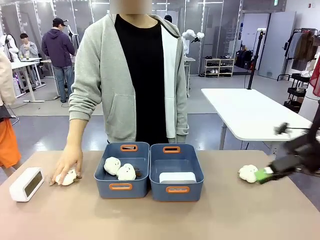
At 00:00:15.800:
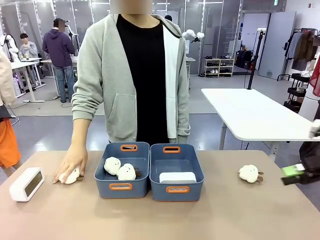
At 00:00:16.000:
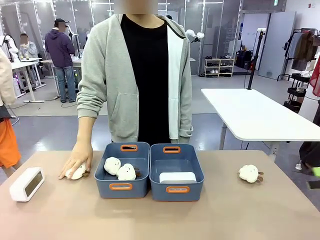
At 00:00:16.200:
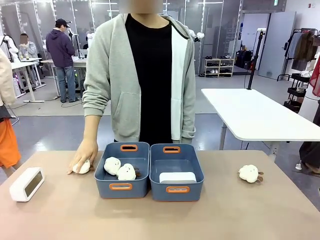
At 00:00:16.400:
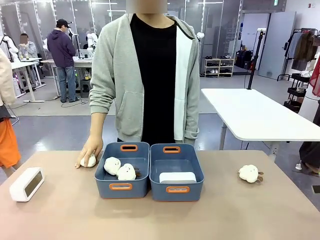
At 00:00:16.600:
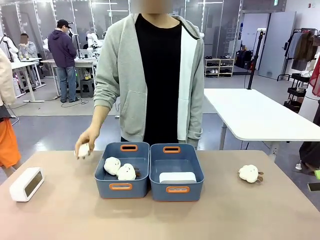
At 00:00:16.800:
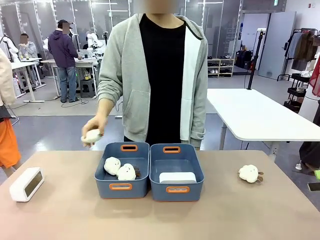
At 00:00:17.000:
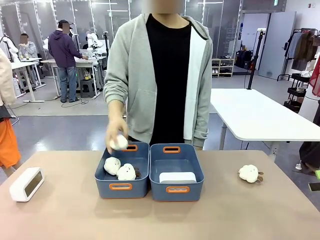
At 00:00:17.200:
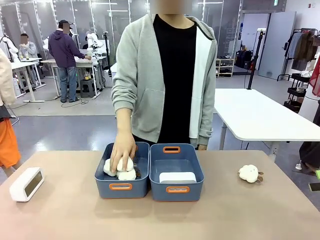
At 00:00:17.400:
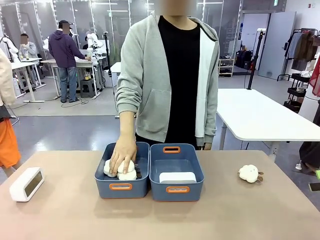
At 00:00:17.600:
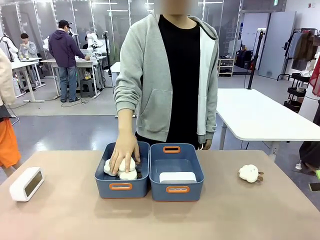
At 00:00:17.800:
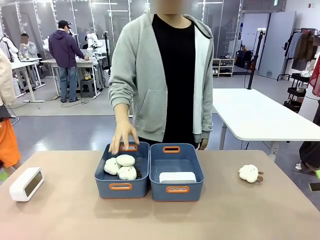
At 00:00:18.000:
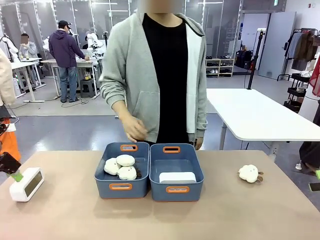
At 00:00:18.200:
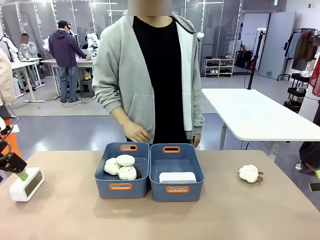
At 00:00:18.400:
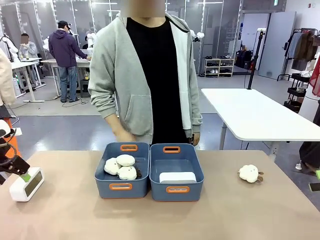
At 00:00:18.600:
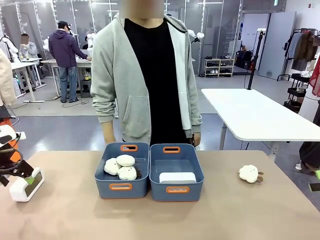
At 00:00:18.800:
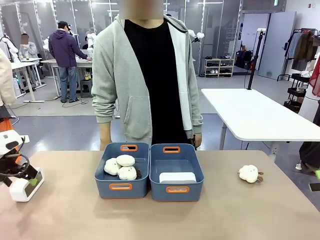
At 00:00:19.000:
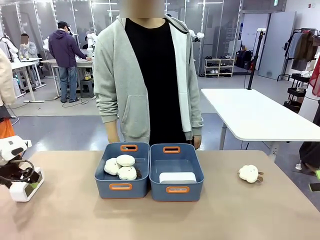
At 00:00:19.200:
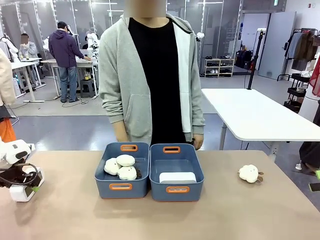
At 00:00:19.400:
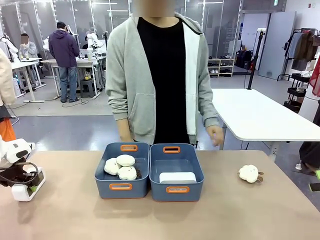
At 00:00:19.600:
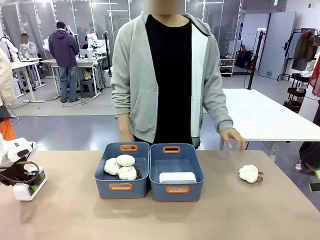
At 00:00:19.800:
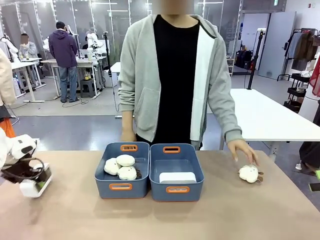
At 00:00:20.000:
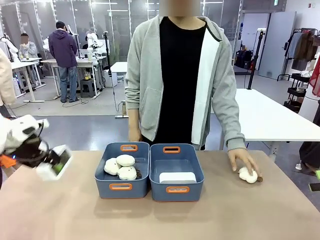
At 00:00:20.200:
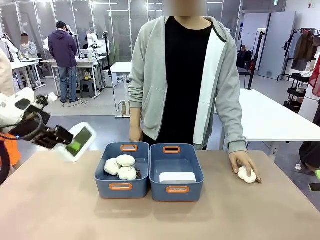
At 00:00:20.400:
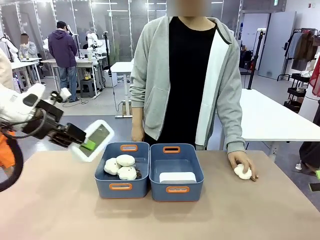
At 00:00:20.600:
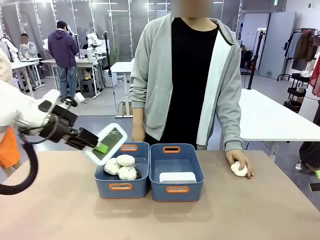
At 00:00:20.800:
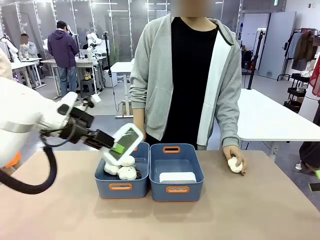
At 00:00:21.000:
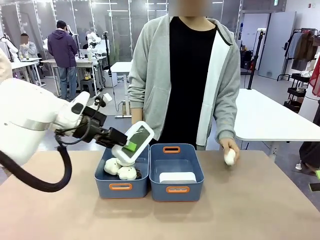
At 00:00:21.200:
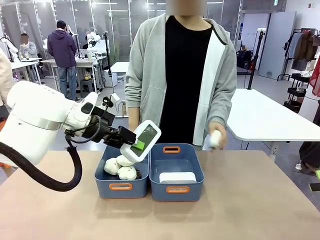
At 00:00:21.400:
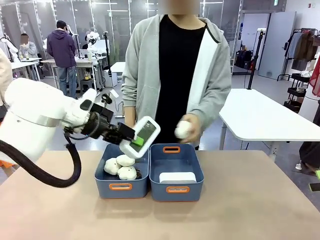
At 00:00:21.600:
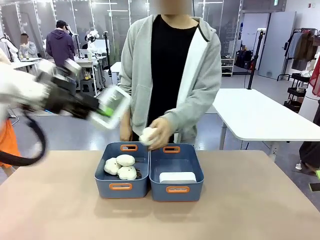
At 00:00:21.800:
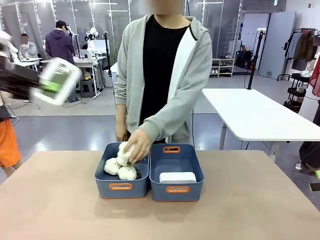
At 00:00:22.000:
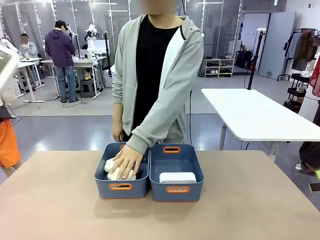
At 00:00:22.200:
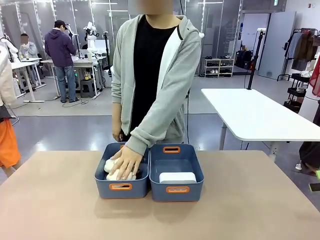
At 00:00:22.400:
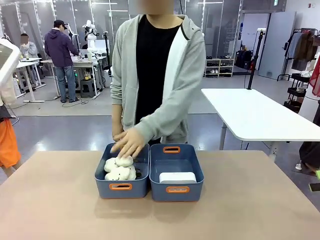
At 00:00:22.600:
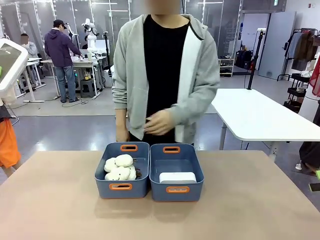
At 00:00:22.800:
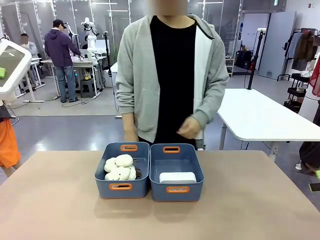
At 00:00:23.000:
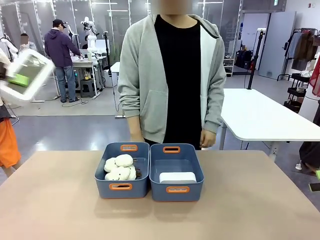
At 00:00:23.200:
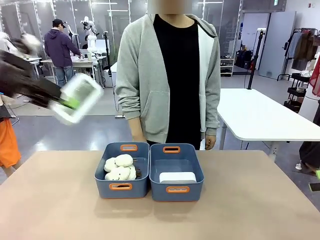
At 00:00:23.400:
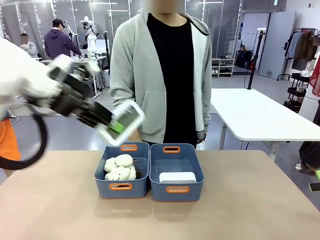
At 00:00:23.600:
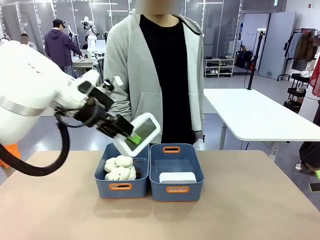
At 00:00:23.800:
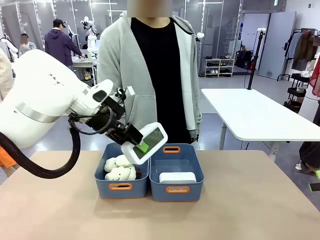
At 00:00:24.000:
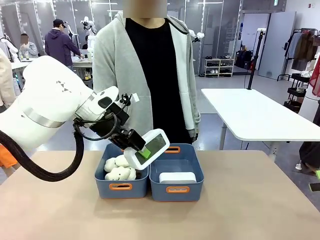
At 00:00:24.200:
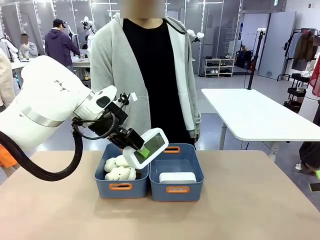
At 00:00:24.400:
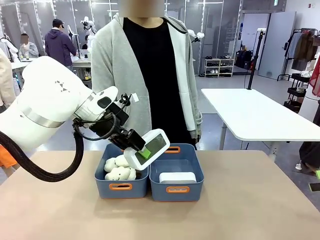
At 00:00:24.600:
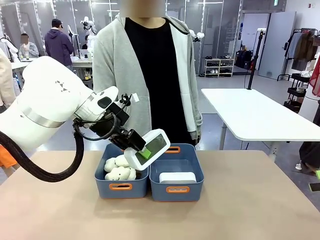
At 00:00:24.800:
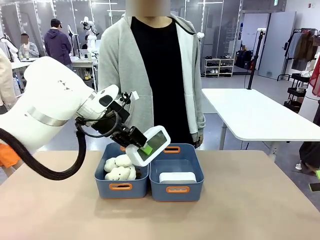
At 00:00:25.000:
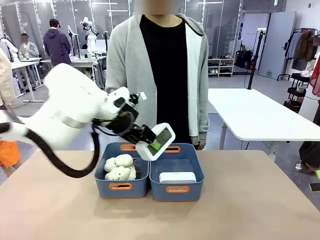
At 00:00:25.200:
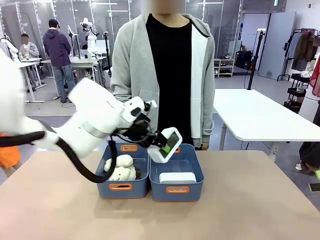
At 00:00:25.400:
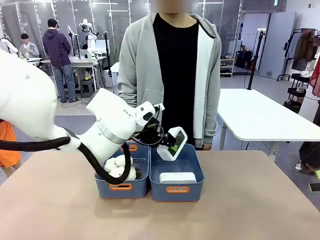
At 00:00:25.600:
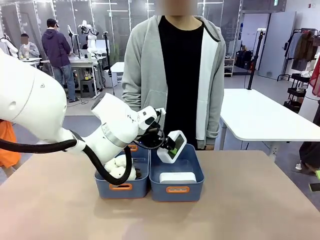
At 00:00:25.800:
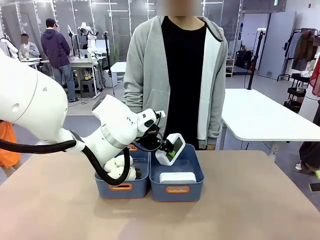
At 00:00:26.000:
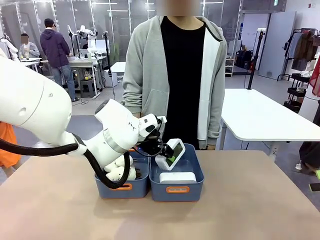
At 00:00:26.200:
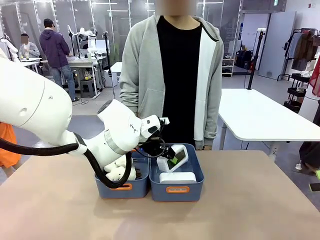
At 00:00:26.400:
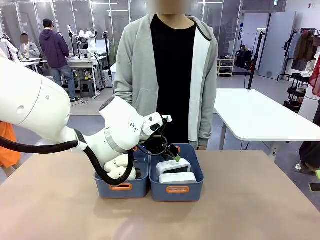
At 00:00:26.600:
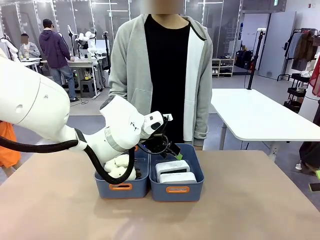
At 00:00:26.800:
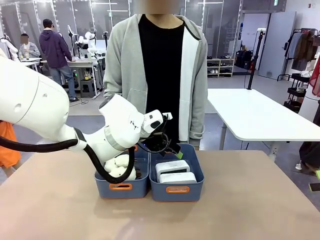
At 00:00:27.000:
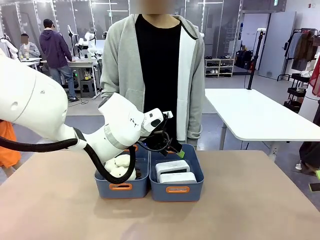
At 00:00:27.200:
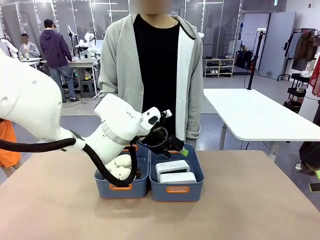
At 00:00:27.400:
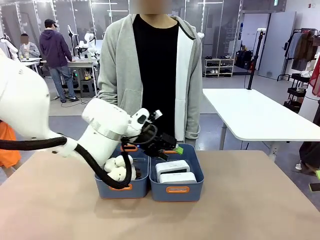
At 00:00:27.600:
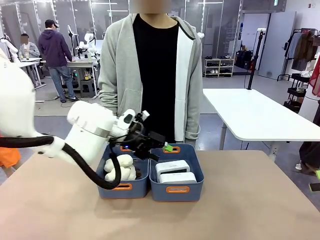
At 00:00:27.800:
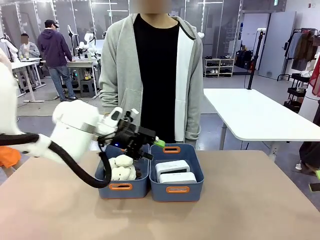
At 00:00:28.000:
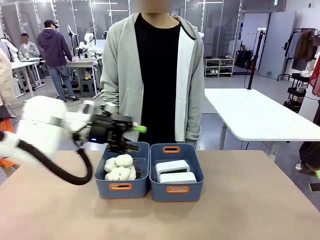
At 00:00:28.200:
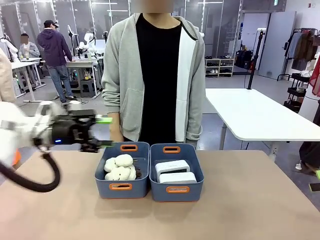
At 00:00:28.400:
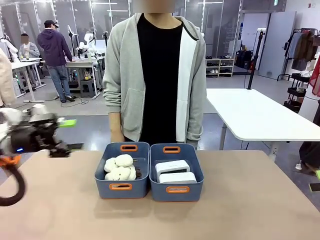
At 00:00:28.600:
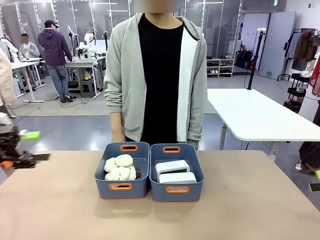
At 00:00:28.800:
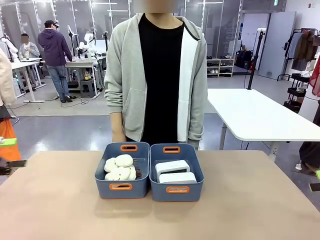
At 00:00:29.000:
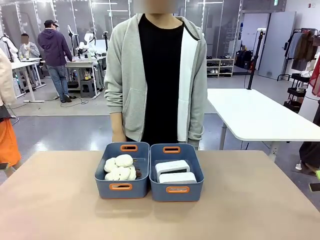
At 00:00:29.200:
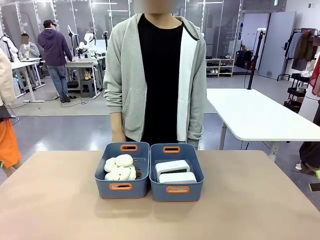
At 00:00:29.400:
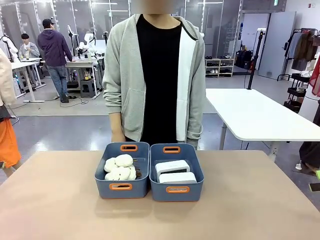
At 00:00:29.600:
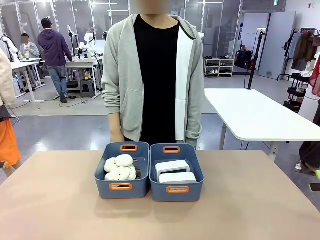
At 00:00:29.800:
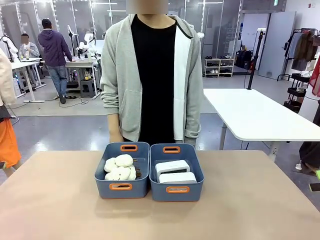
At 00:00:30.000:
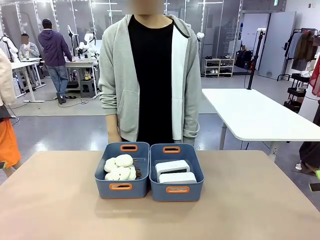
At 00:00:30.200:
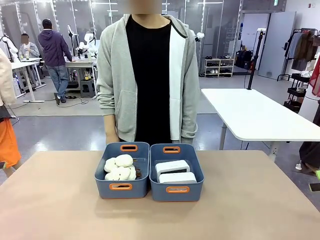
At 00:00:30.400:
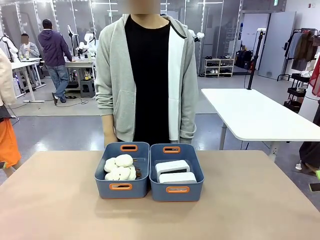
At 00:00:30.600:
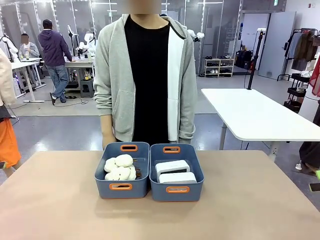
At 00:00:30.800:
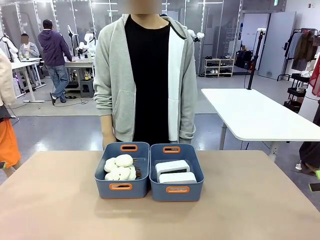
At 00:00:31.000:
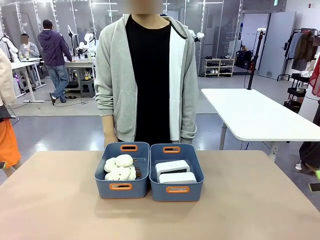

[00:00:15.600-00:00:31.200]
Task: Sort the digital clocks into the basket.
Robot: Pick up the Digital clock from the table and place it into the empty Plastic storage basket.
Person: Pick up a plush toy from the table and place it in the plastic storage basket containing the plush toy.
